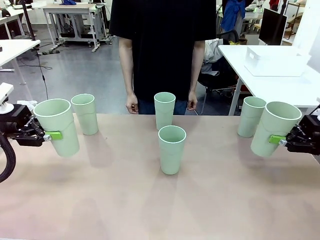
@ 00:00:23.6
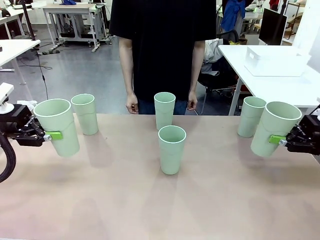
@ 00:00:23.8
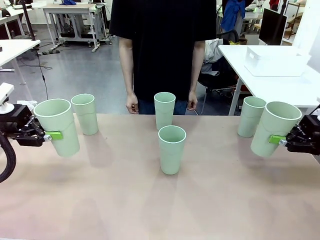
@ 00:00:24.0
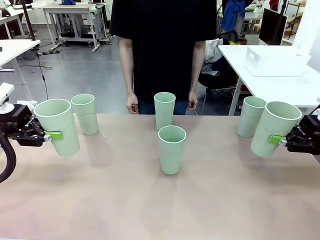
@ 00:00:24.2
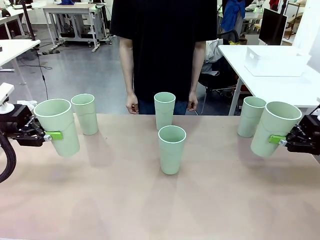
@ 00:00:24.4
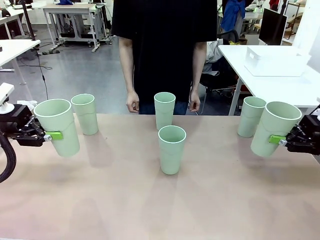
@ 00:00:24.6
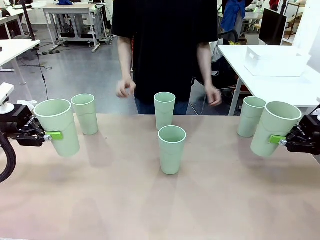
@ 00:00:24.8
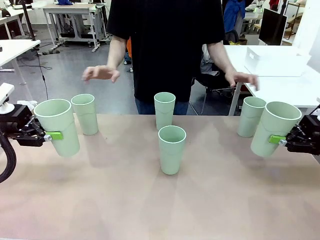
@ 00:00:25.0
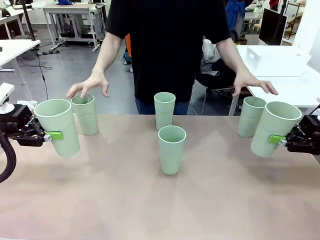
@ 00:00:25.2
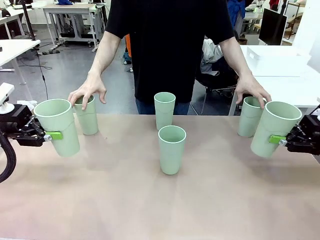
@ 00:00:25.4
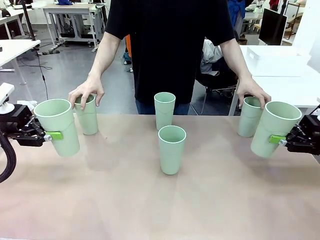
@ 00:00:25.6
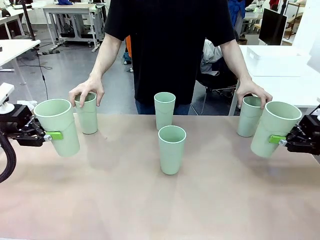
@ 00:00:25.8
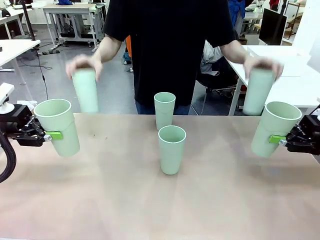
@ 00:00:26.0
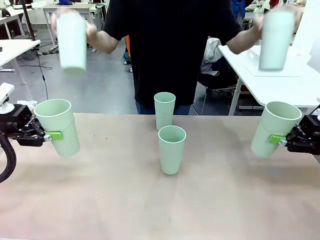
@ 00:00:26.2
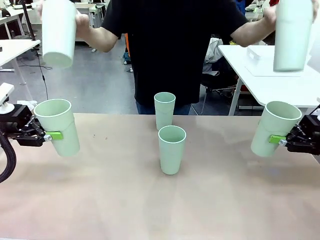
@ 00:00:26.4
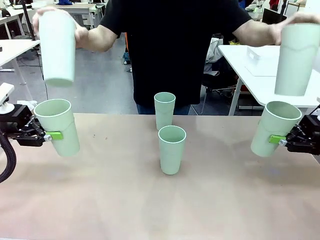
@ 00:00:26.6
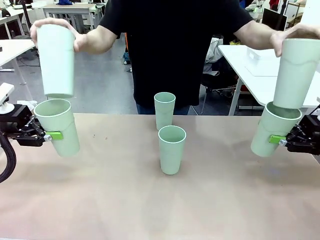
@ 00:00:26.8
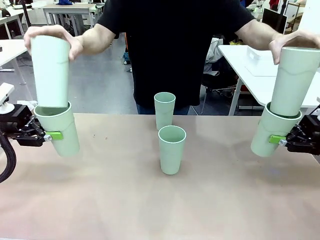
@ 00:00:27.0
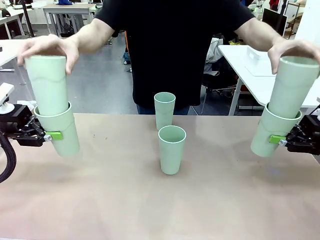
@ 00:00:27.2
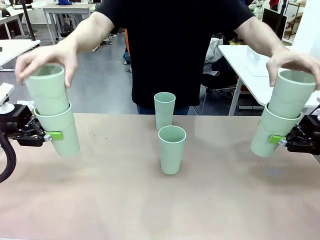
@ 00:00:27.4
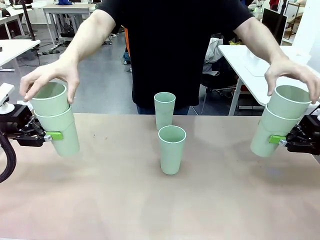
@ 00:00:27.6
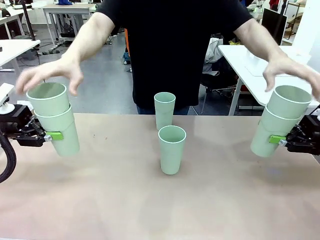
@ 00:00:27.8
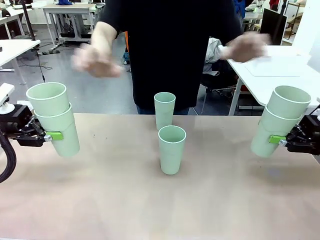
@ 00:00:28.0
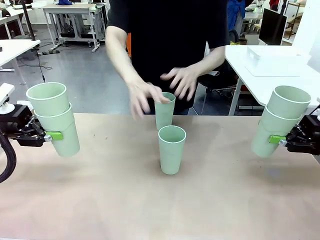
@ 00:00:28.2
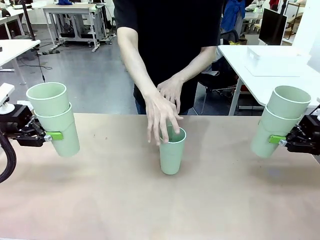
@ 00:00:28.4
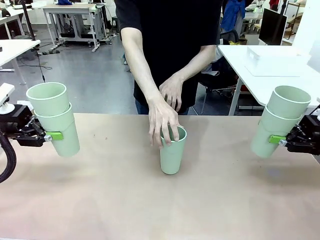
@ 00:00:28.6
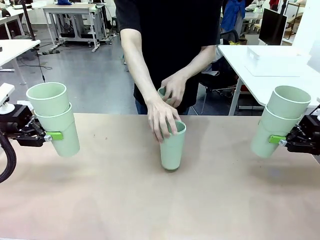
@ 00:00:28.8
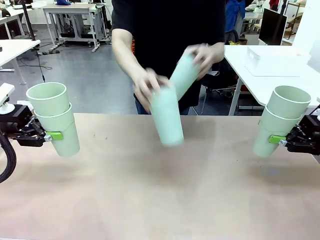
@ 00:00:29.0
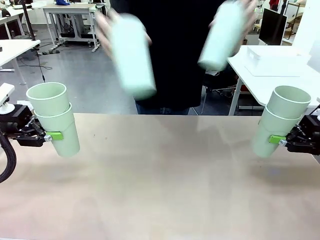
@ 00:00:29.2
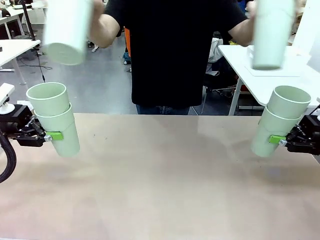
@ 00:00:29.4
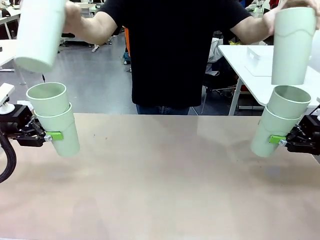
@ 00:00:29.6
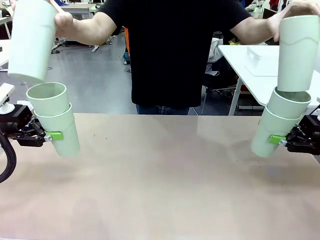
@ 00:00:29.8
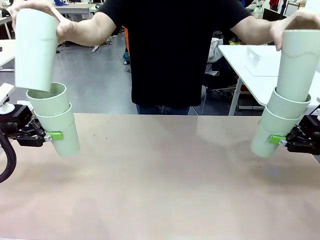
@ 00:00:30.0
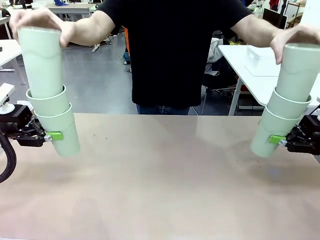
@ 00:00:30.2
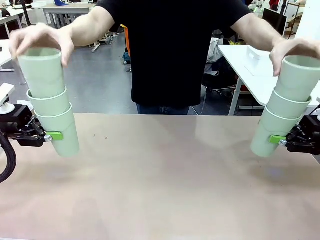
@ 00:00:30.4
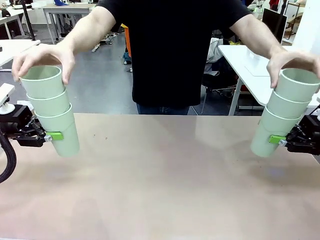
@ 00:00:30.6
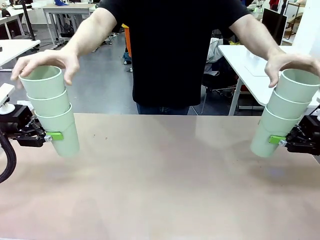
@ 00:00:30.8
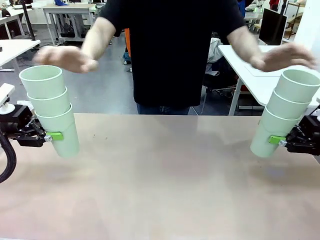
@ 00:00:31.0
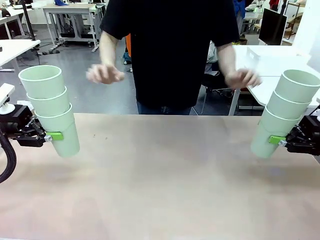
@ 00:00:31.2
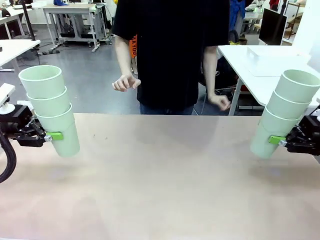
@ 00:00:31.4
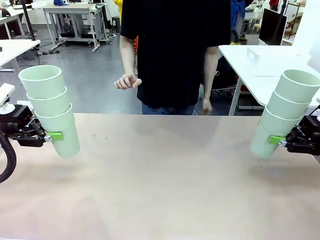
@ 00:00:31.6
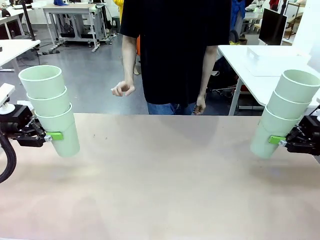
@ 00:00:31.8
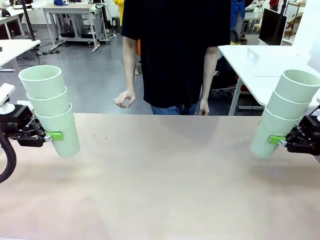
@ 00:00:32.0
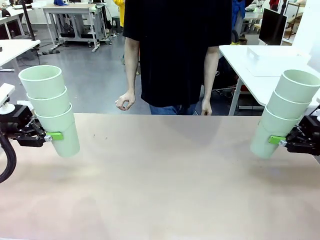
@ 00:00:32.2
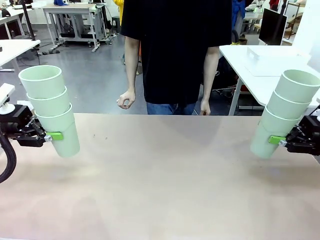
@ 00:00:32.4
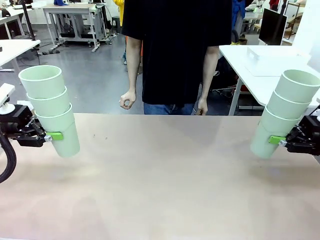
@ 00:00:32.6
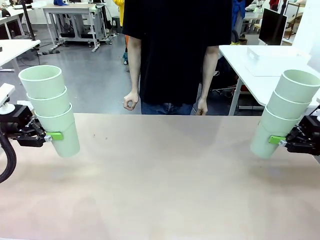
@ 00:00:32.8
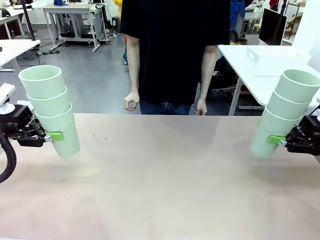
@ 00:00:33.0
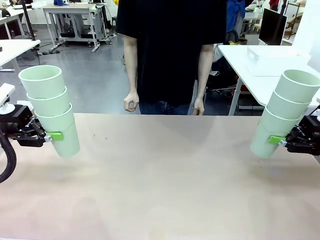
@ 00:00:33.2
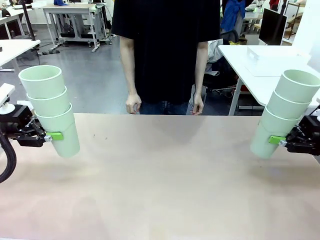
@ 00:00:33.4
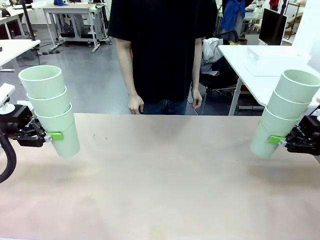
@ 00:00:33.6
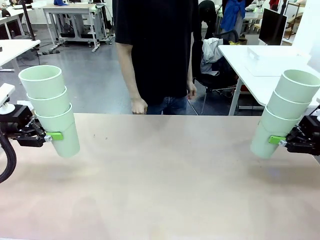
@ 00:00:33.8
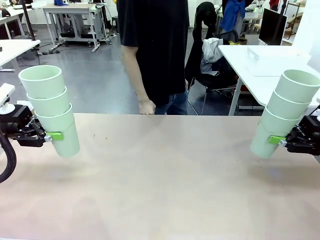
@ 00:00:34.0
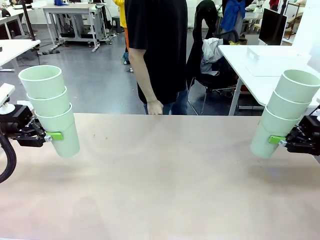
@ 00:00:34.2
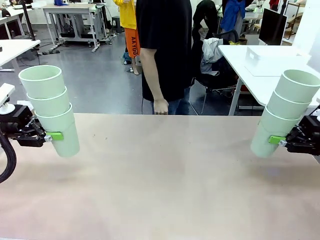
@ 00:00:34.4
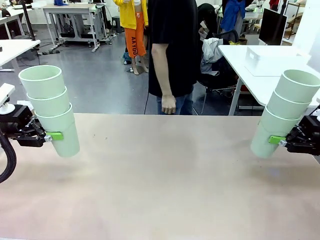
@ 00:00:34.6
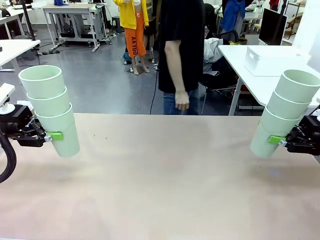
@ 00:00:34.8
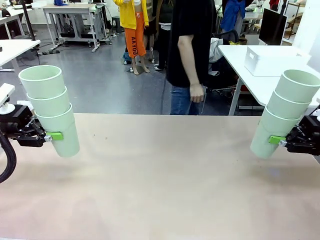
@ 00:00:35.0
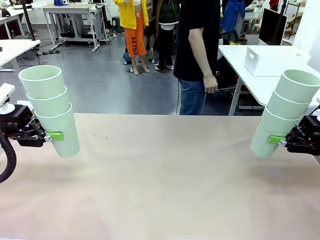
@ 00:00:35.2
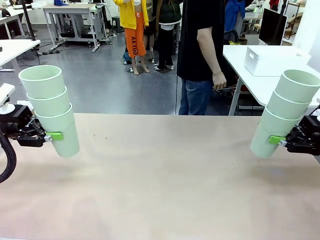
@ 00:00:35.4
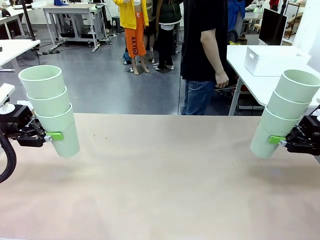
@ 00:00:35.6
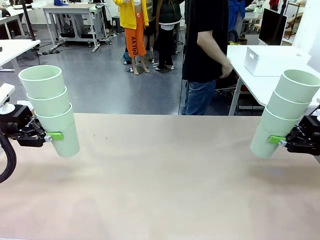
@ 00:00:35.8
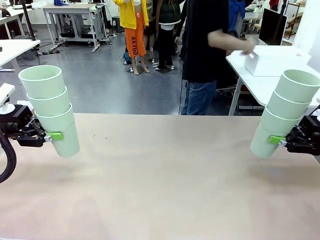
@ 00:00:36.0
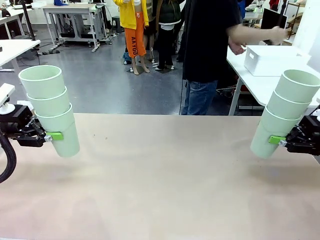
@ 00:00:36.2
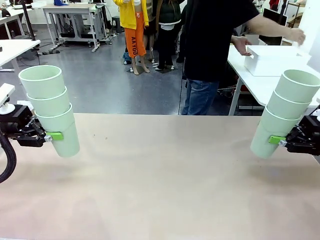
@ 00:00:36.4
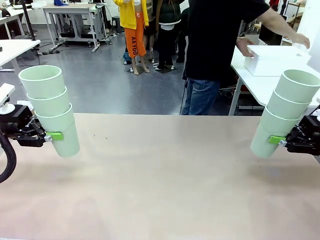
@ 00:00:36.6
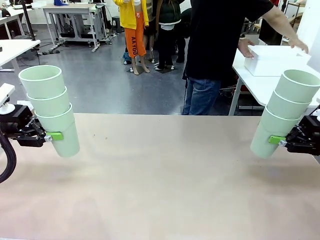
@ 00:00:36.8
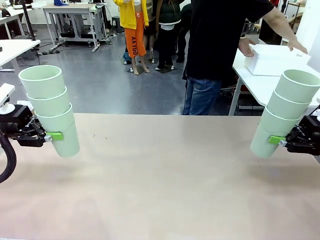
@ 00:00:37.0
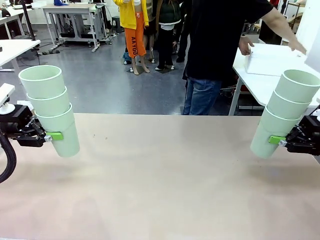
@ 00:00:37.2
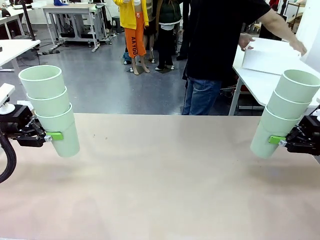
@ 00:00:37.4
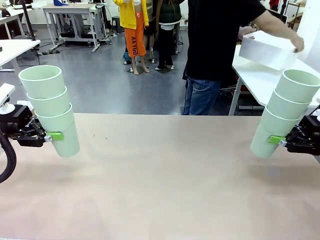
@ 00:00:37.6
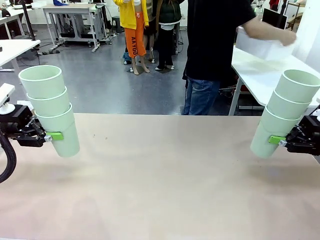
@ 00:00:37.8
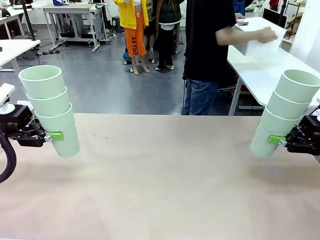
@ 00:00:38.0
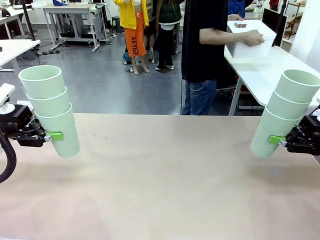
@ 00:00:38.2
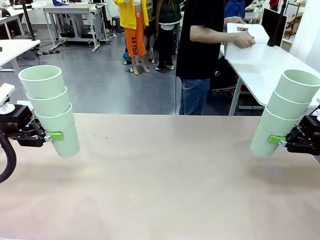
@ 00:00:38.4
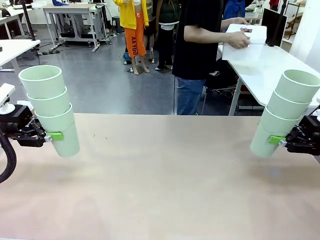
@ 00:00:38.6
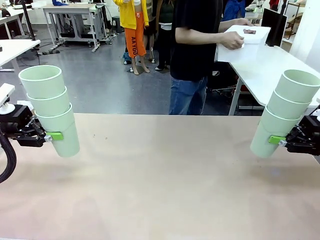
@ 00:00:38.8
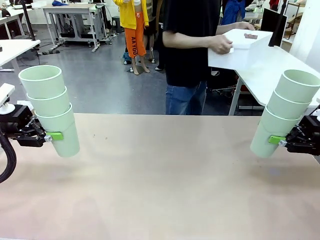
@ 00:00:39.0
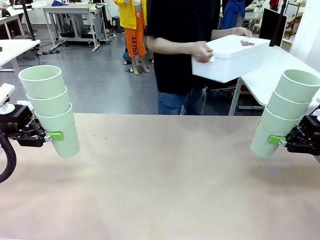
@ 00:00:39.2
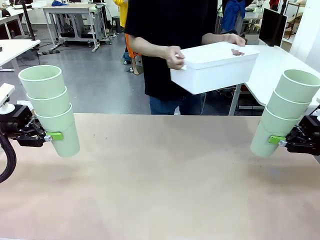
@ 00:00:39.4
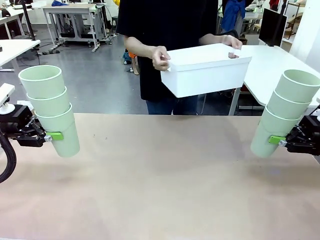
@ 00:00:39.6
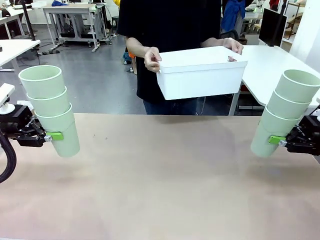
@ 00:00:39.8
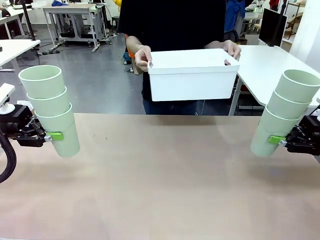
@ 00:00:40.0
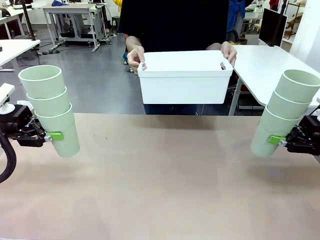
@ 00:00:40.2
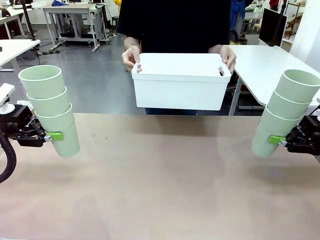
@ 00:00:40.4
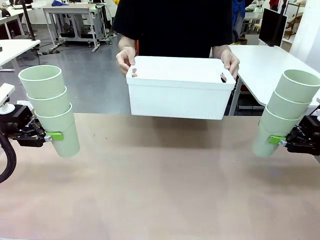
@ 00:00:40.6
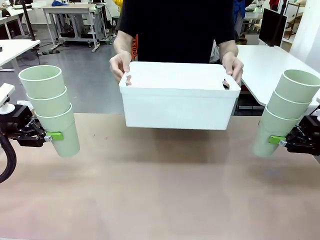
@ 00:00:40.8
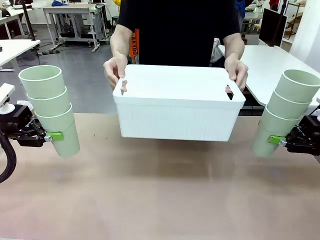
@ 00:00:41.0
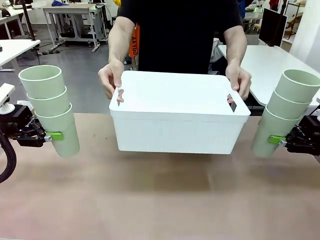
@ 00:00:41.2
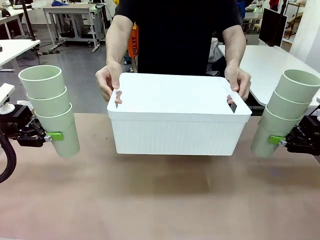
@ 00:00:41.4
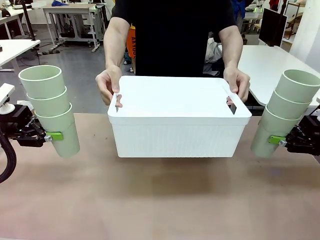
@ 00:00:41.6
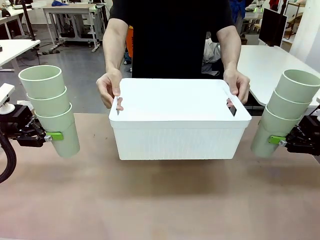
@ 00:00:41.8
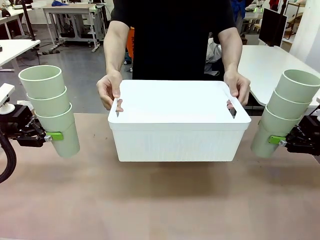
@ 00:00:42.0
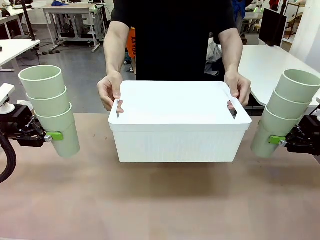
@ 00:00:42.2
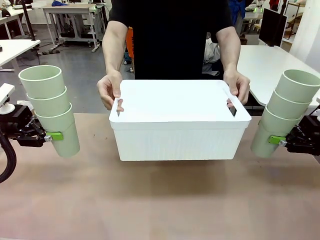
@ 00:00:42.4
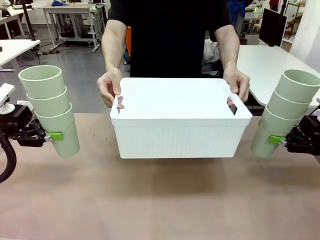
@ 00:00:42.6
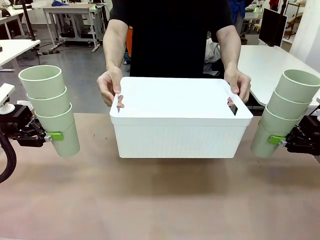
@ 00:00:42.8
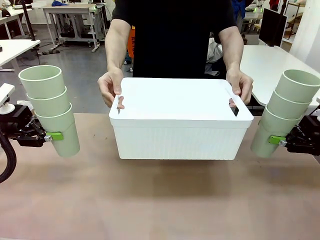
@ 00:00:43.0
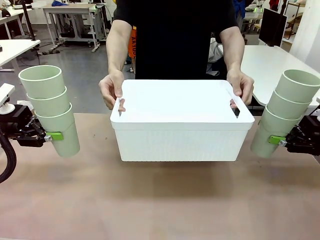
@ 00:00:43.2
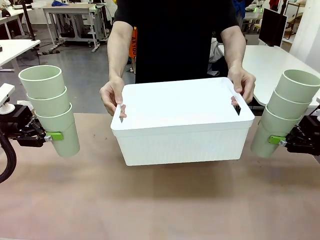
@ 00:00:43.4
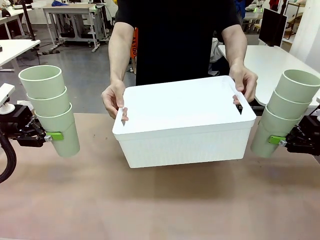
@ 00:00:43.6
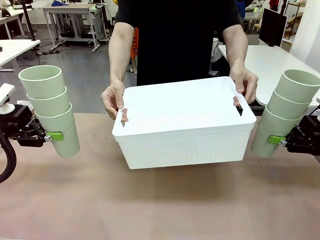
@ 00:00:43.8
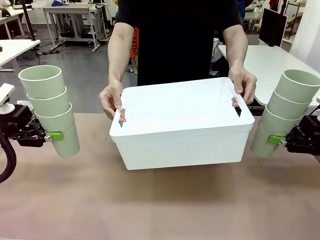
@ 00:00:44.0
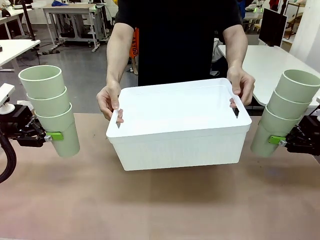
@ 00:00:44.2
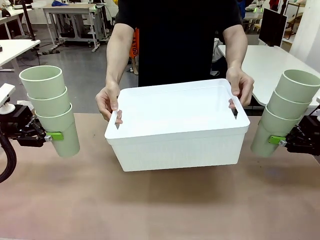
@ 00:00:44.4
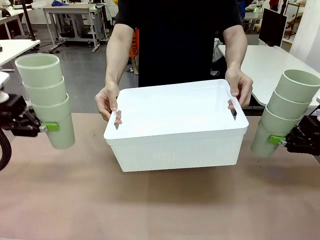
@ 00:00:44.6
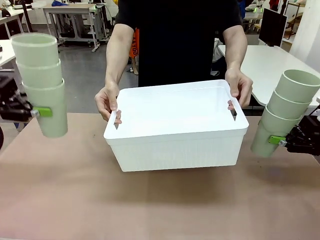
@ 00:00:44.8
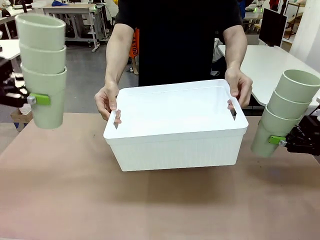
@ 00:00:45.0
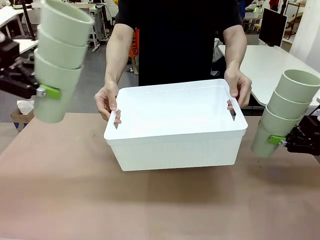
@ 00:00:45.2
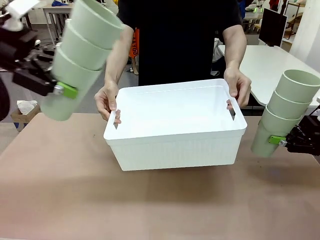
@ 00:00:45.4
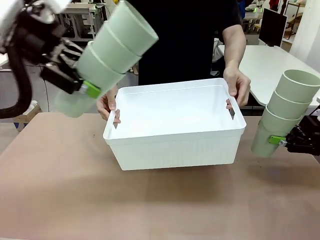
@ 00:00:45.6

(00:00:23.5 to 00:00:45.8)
Task: Stack the cups and store them in the basket.
Robot: Place the stack of Reusable plastic cups into the Pantry Basket.
Person: Pick up the basket from the Human Table, bring it to the front of the robot, and present it.
